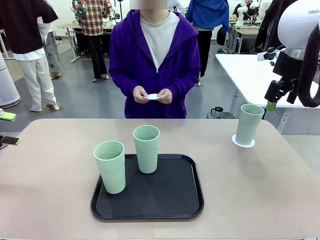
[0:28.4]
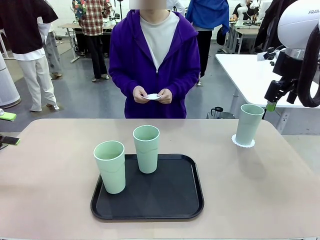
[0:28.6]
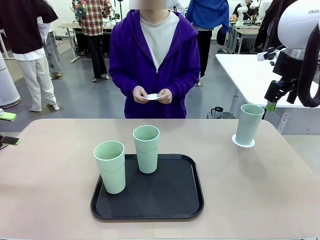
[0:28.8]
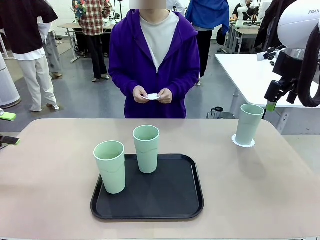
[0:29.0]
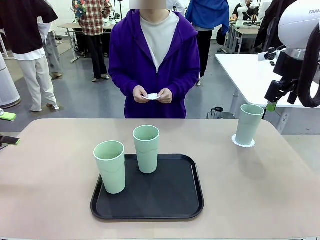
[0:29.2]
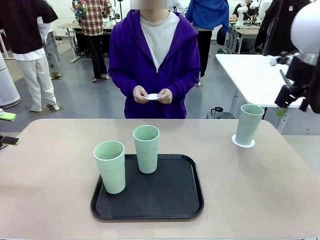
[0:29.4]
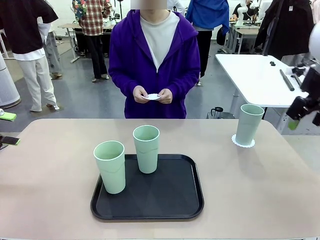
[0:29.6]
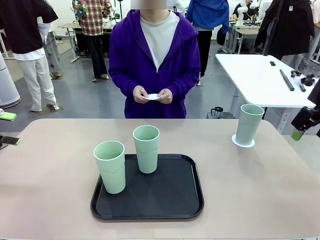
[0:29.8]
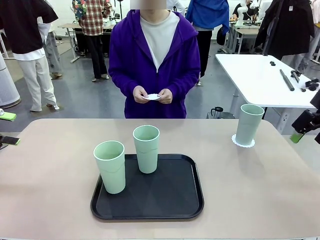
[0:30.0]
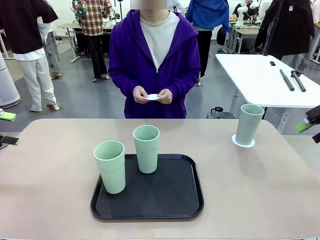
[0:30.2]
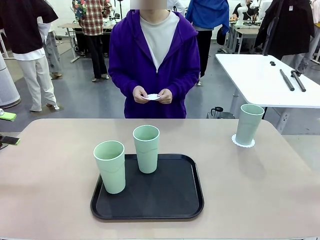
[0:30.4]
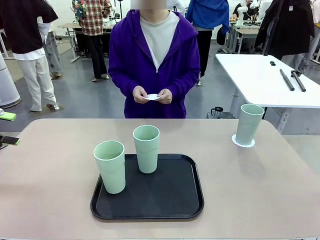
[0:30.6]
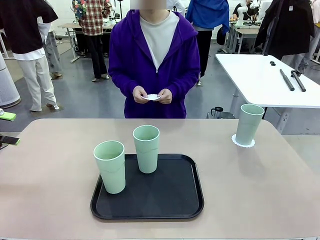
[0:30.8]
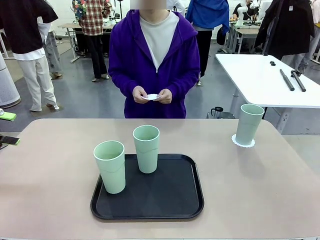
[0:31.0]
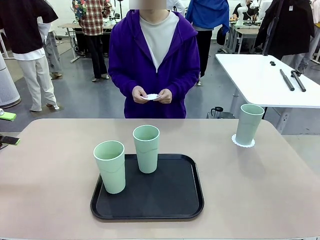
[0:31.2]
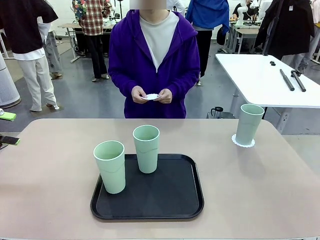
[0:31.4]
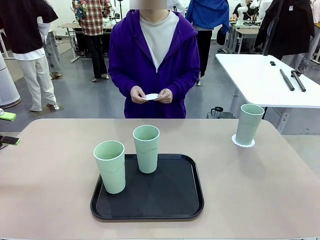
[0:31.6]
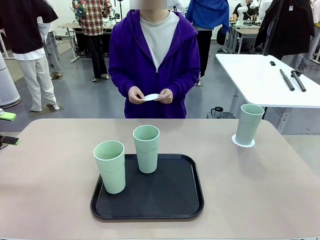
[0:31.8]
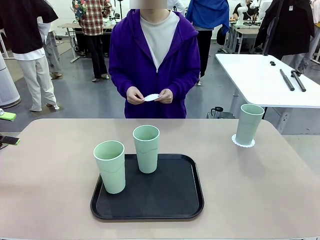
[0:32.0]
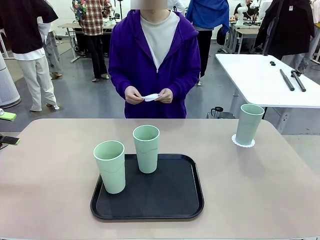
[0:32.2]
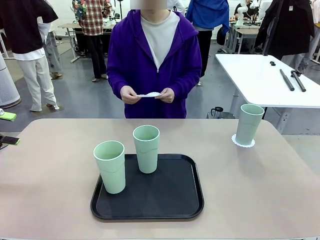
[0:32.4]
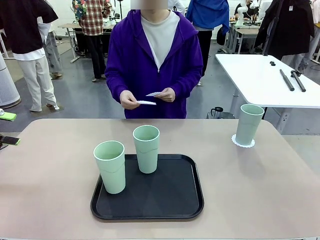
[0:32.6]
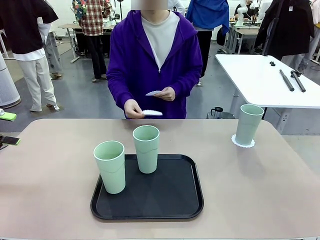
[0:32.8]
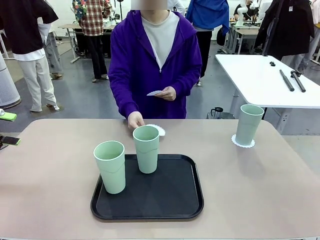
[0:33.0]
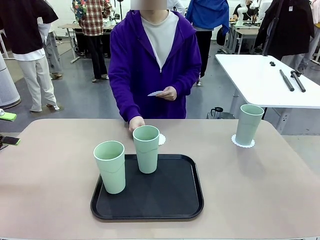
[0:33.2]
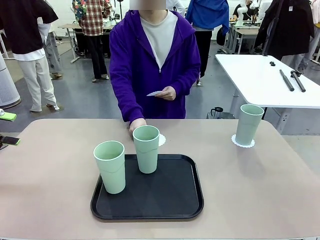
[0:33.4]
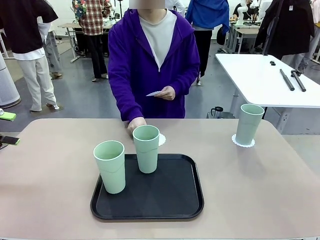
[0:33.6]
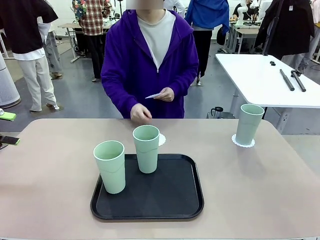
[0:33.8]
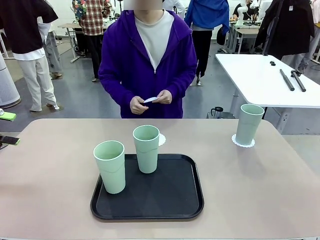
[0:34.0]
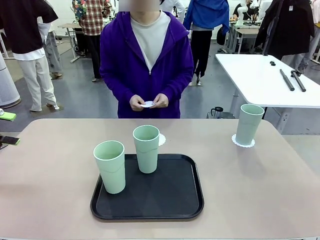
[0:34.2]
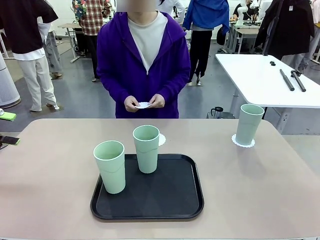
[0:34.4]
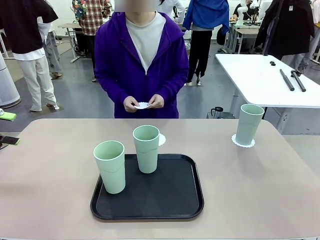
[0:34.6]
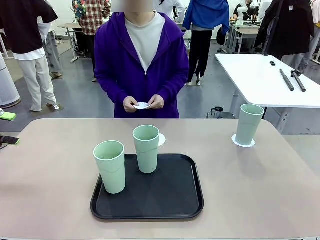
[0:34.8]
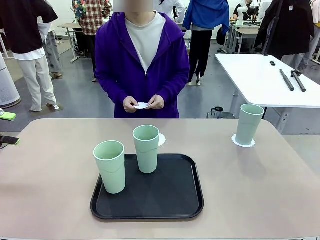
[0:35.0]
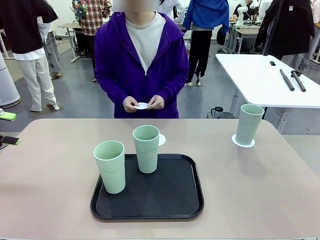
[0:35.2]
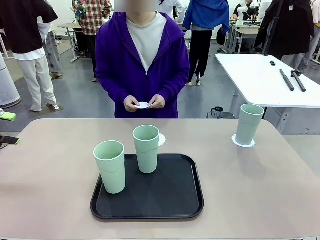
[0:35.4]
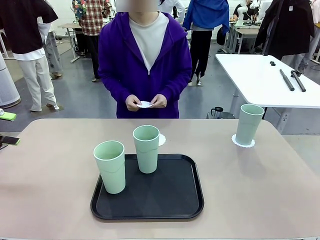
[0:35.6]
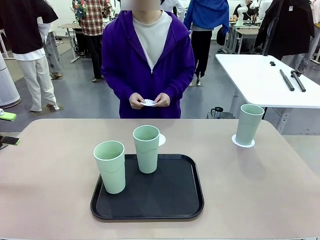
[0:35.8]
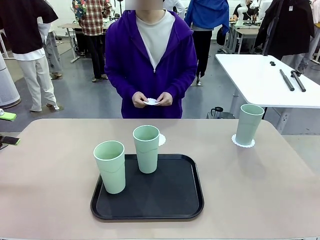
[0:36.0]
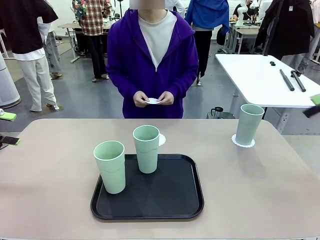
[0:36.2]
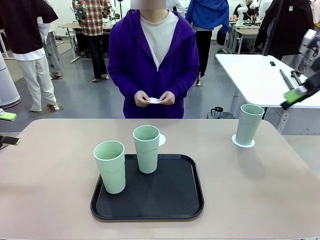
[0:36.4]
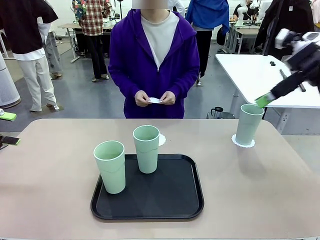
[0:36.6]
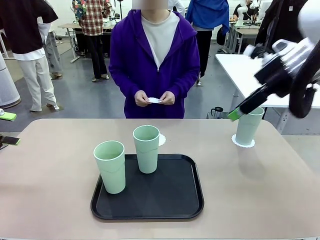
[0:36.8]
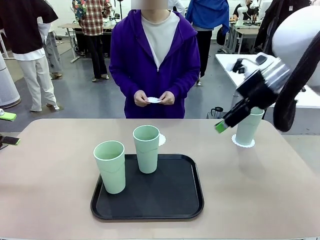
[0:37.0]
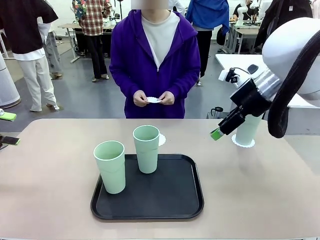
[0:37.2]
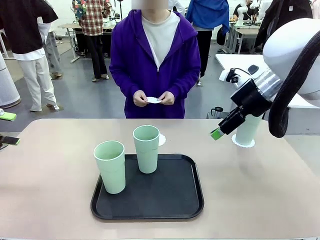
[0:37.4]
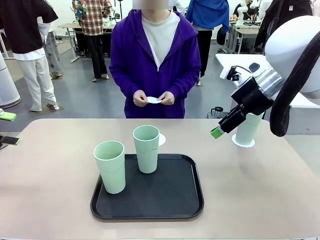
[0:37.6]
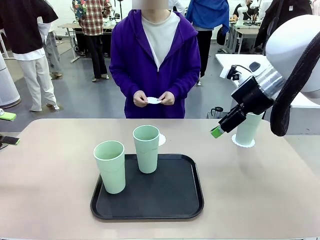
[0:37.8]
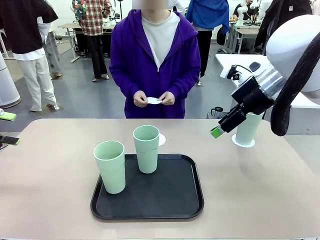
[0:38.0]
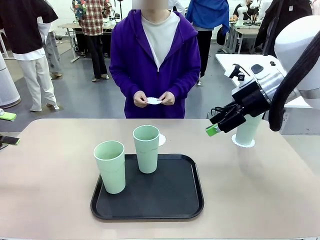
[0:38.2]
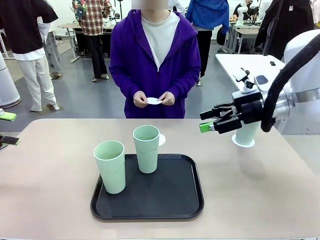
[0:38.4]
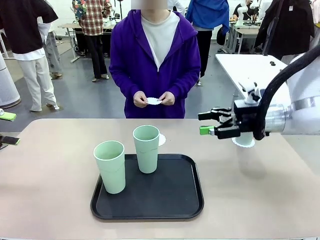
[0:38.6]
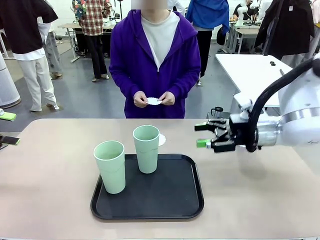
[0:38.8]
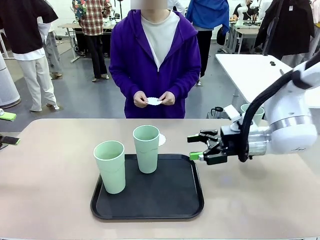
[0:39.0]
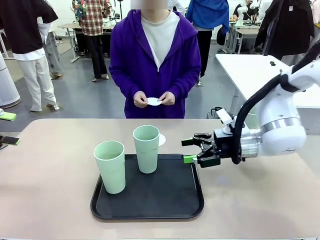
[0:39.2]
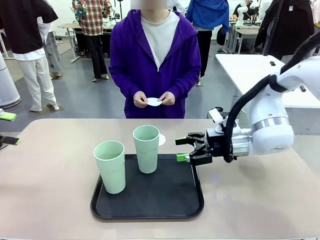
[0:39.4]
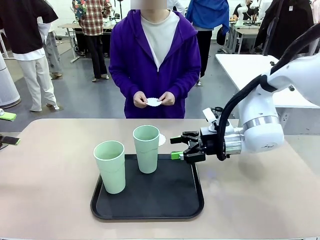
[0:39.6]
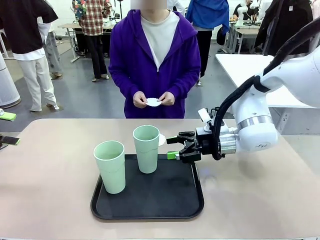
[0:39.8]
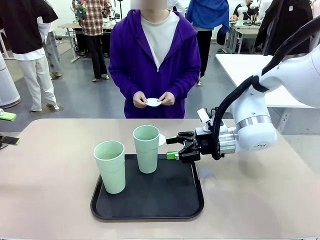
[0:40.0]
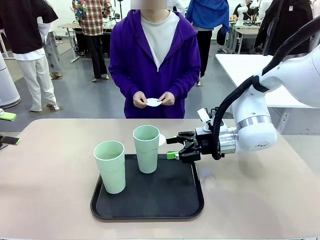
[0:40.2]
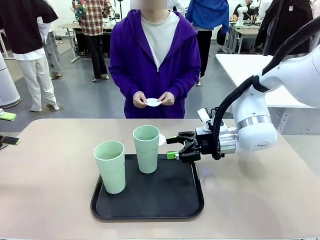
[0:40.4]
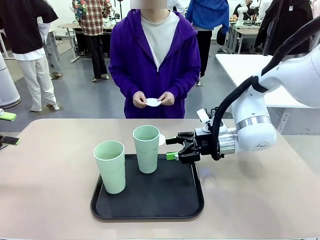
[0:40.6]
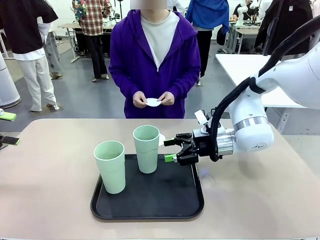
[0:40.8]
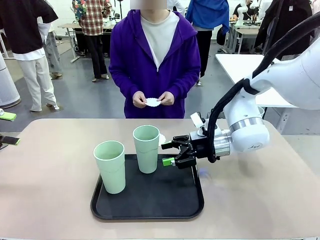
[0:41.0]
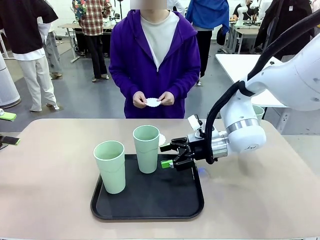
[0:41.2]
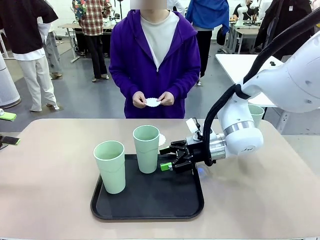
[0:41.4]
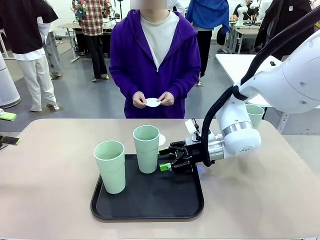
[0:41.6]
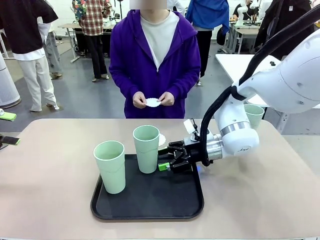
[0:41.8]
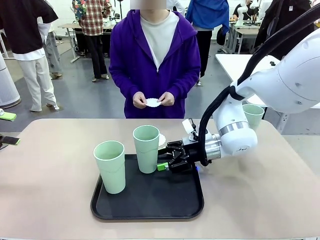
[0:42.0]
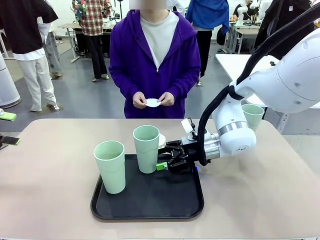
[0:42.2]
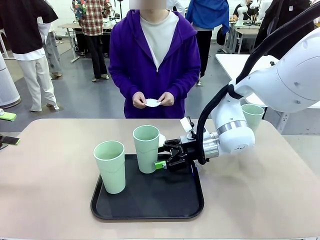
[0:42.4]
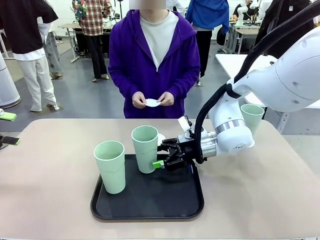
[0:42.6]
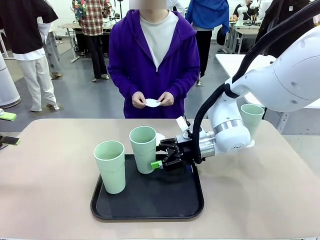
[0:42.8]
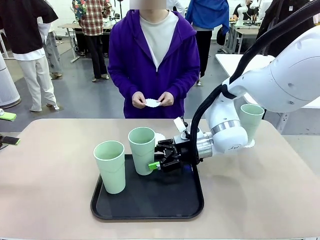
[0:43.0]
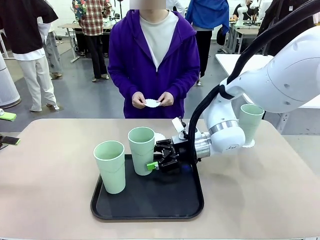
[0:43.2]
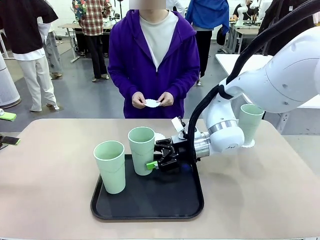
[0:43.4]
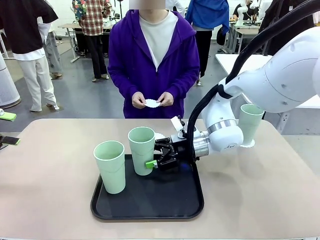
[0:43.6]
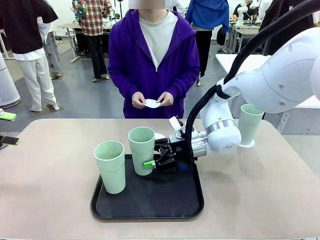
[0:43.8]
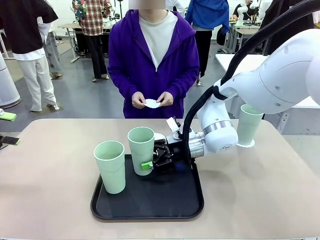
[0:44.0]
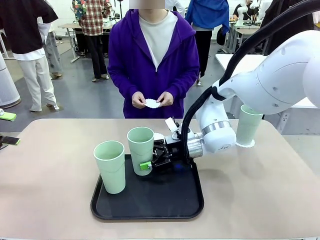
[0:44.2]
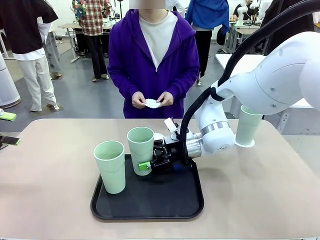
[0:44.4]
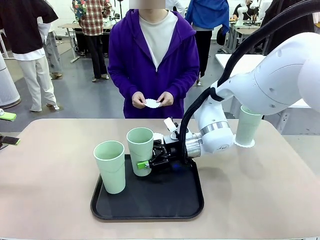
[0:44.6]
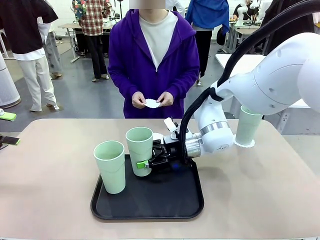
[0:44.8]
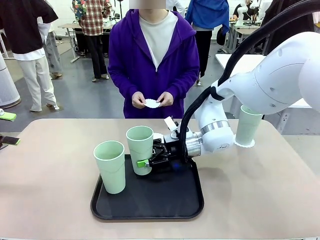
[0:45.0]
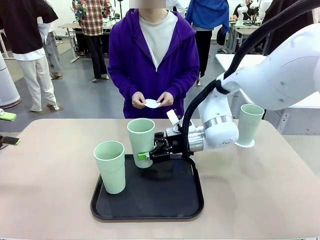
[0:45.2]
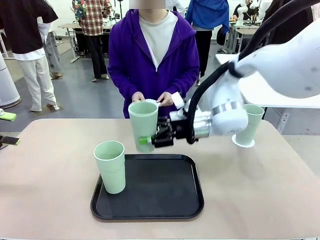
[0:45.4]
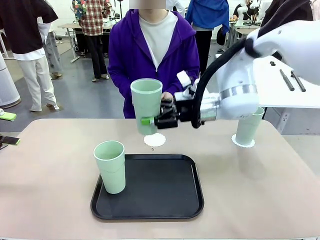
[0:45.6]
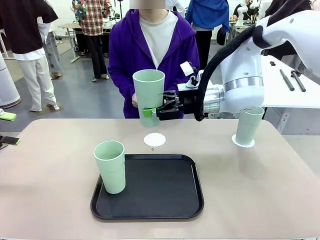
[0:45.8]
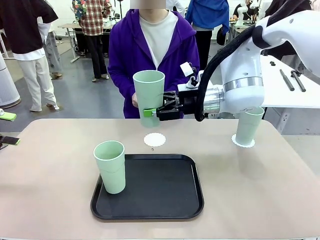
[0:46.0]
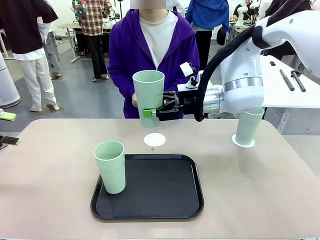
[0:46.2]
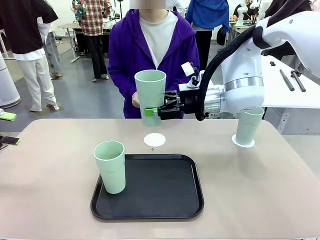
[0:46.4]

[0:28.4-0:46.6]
Task: Place coasters on the table and set cups on them.
Robot: Take one Reusable plastic cup from the Flat Tray and place it on a coaster set by the human.
